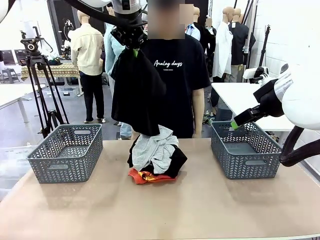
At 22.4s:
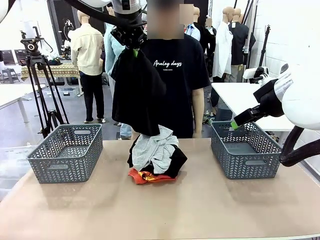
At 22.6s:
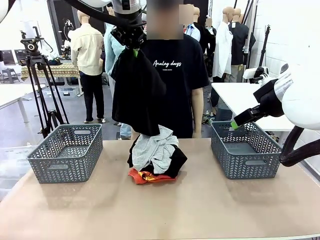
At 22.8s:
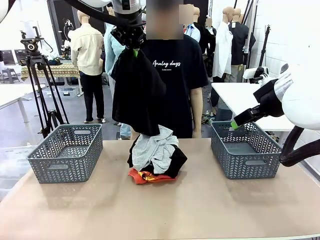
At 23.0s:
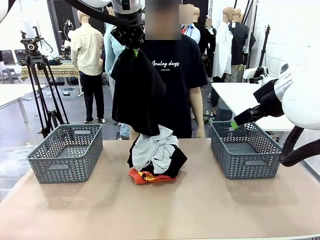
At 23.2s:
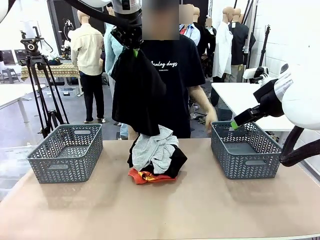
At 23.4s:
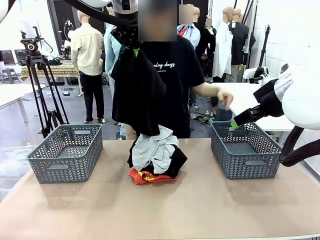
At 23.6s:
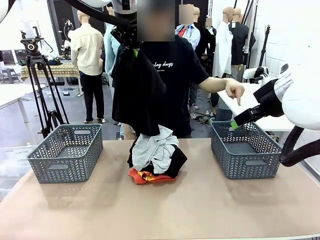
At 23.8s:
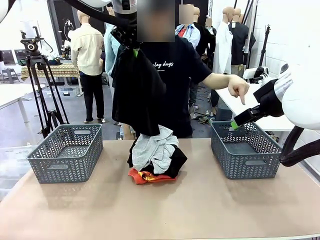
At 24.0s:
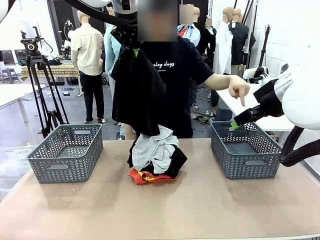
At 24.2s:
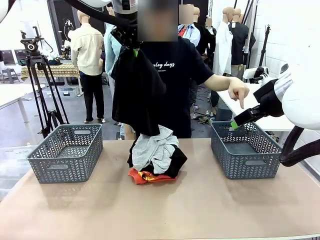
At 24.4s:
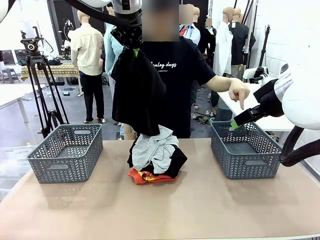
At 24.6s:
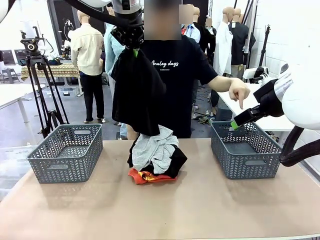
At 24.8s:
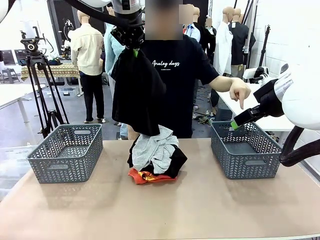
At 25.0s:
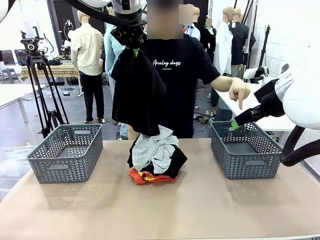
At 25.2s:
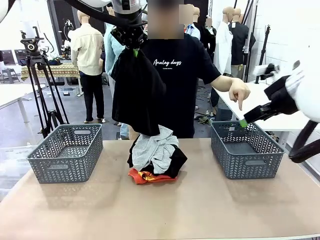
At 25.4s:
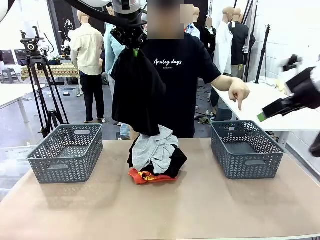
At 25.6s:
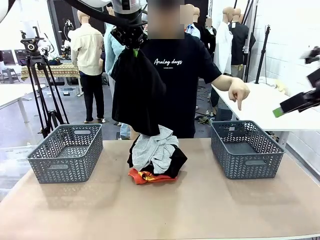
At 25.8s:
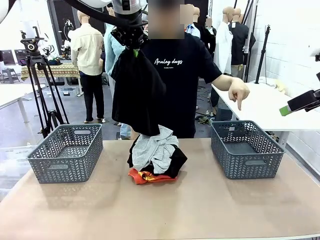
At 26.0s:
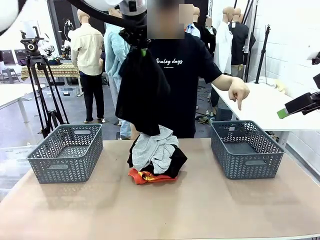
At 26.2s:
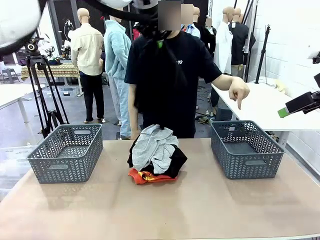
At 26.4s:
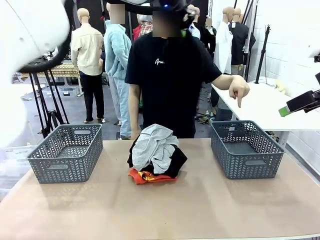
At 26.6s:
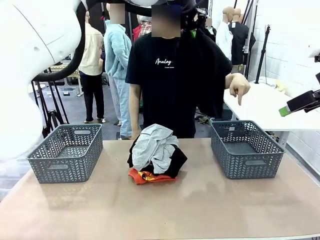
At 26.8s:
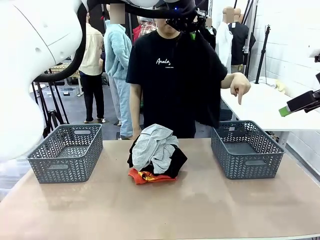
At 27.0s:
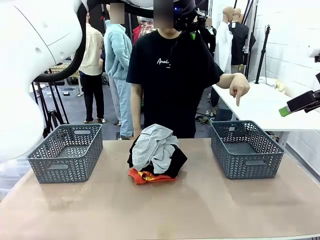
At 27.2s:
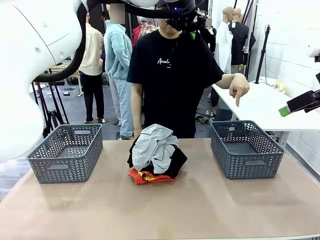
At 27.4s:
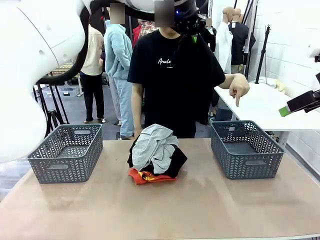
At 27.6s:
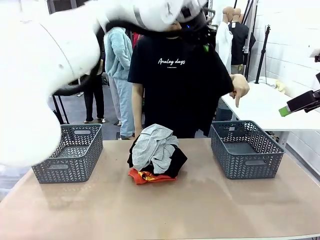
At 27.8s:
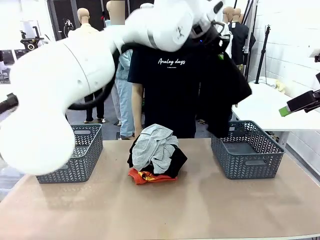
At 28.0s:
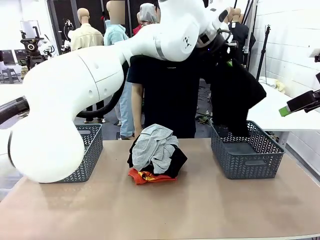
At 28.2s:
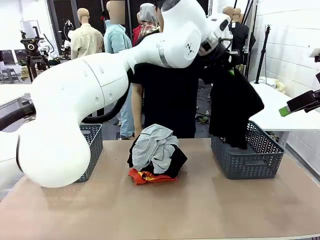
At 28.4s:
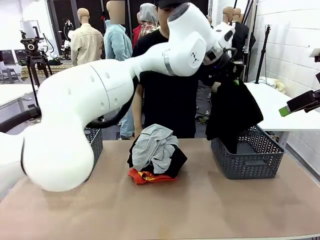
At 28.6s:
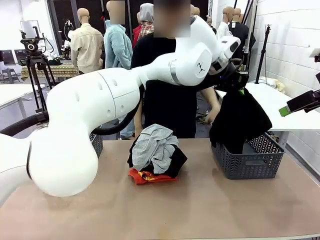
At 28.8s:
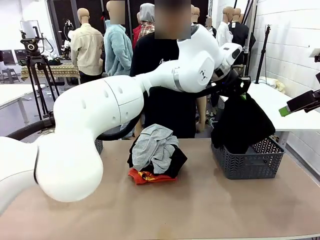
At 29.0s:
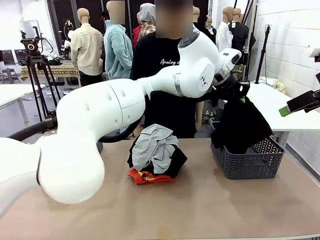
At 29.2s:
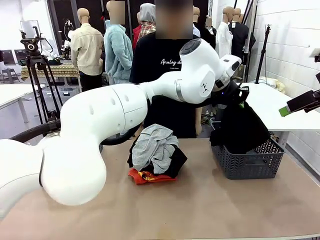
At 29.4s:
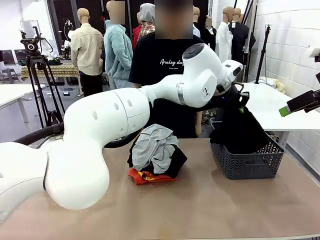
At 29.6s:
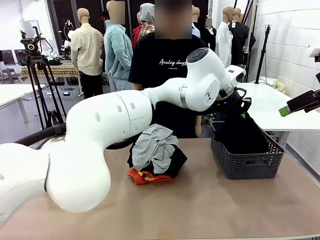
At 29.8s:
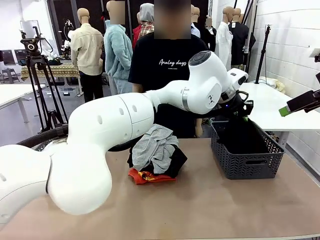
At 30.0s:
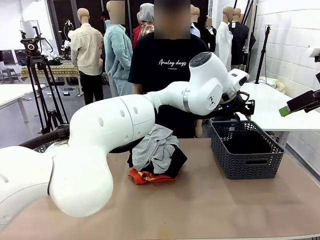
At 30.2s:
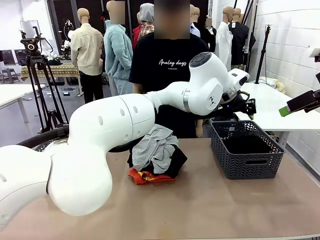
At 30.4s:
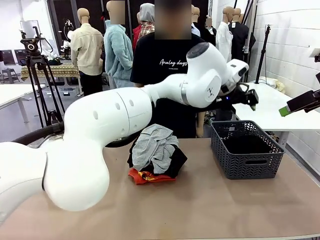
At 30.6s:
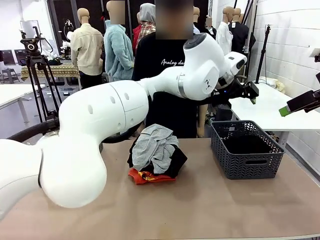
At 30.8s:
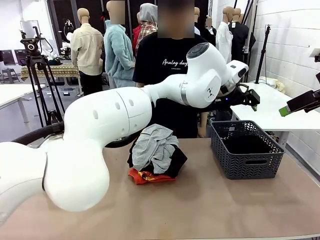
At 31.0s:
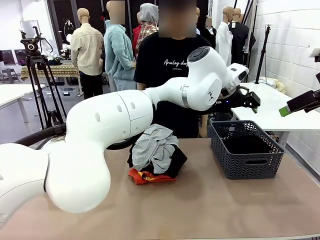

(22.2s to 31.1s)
Task: Sort the tops and bottoms.
Robot: Sort the clothes according to human instructions.

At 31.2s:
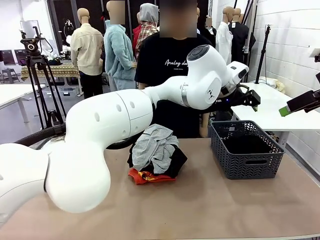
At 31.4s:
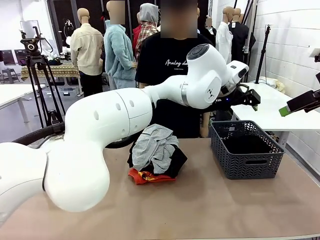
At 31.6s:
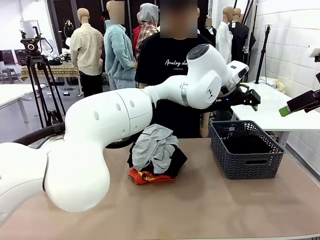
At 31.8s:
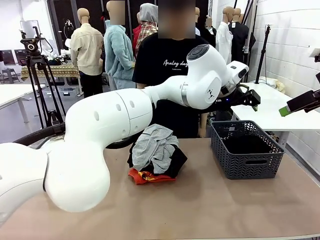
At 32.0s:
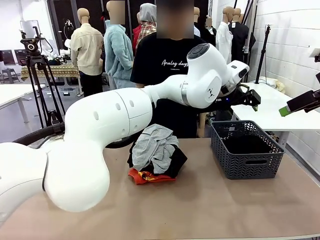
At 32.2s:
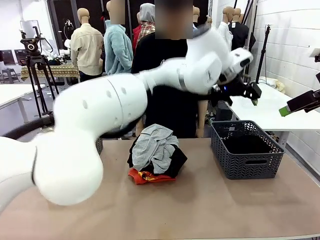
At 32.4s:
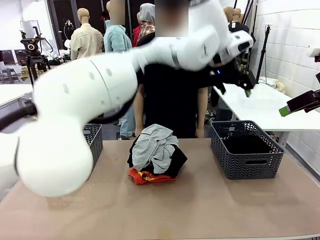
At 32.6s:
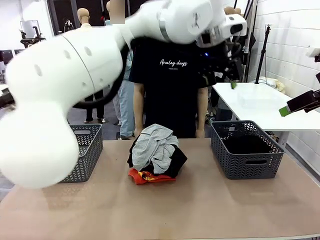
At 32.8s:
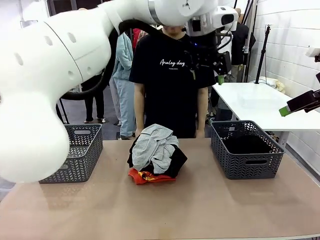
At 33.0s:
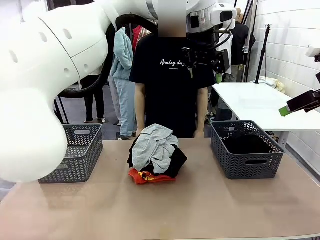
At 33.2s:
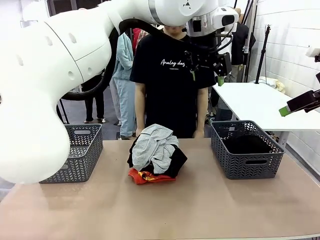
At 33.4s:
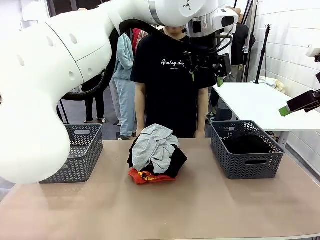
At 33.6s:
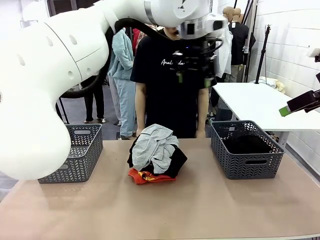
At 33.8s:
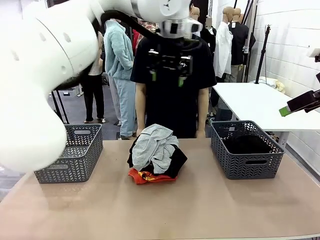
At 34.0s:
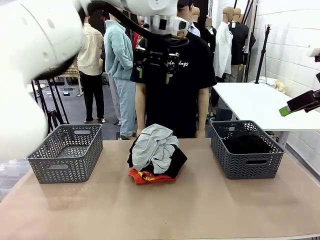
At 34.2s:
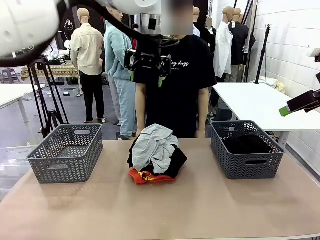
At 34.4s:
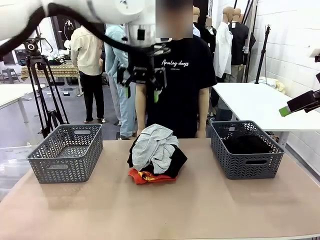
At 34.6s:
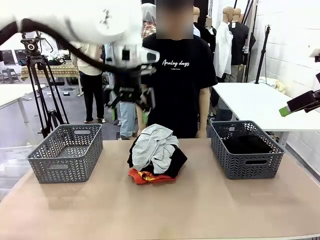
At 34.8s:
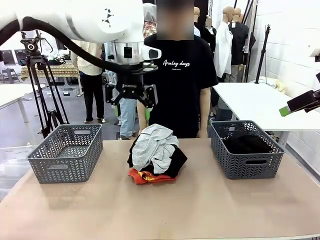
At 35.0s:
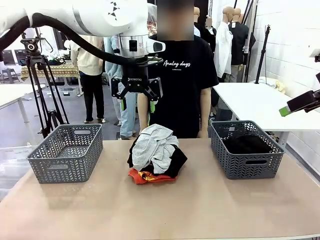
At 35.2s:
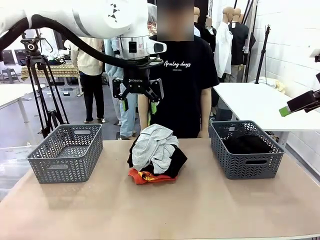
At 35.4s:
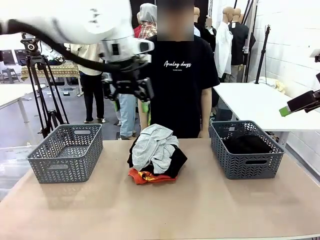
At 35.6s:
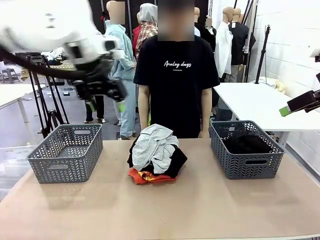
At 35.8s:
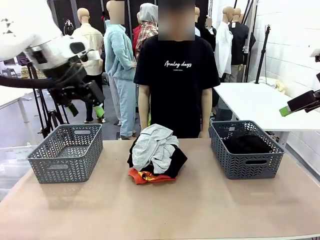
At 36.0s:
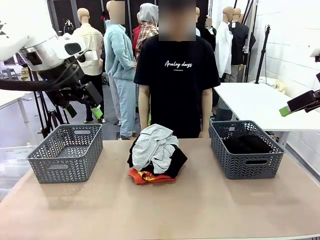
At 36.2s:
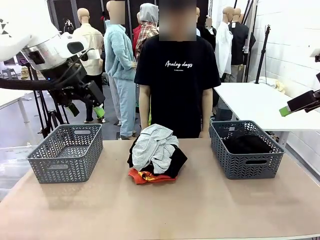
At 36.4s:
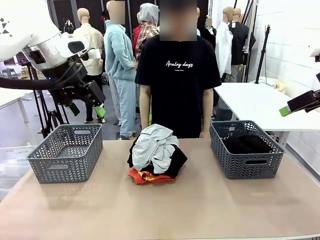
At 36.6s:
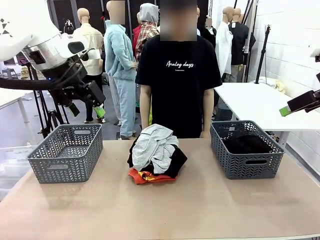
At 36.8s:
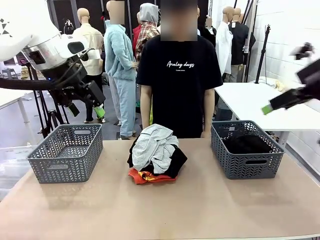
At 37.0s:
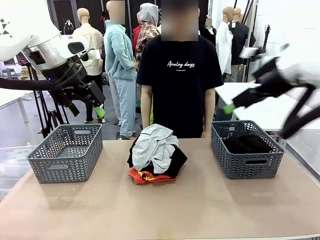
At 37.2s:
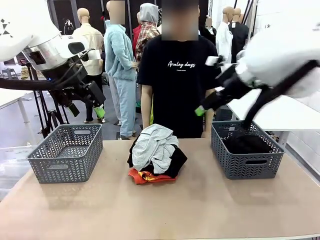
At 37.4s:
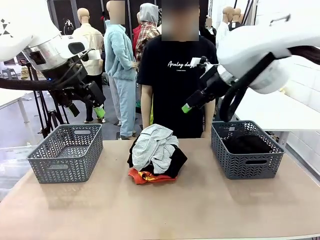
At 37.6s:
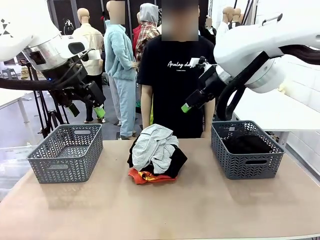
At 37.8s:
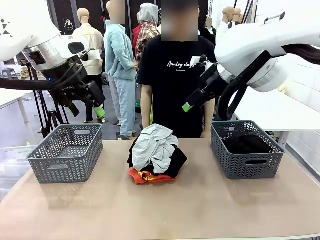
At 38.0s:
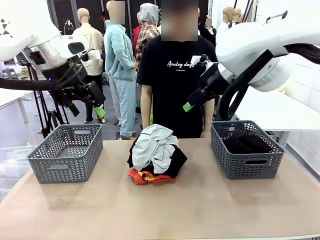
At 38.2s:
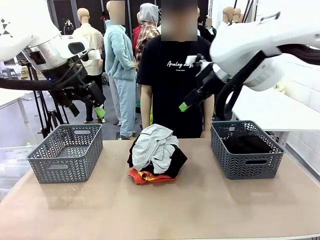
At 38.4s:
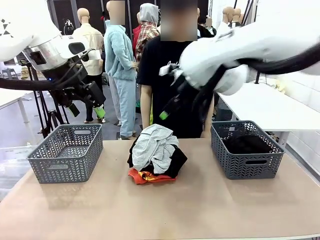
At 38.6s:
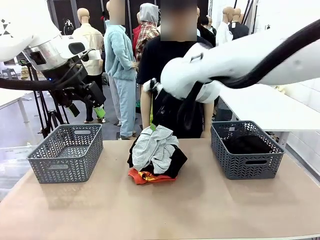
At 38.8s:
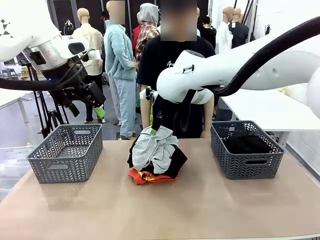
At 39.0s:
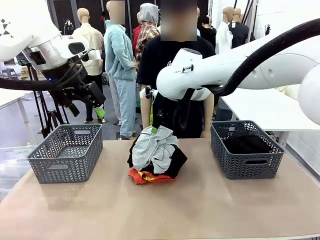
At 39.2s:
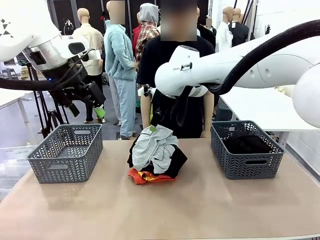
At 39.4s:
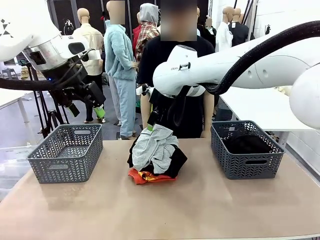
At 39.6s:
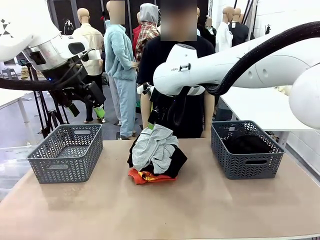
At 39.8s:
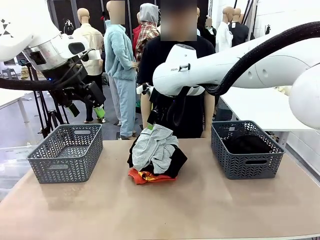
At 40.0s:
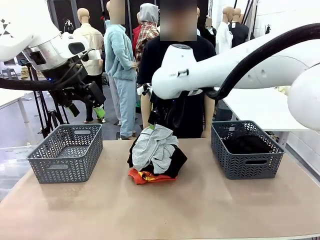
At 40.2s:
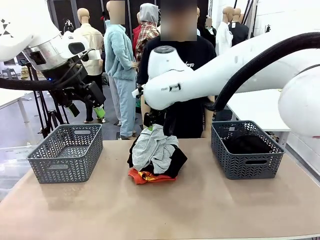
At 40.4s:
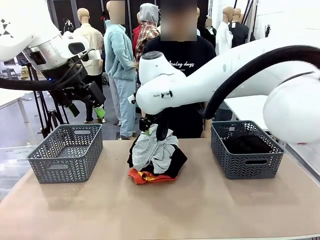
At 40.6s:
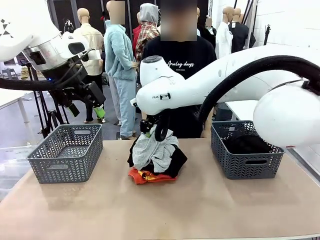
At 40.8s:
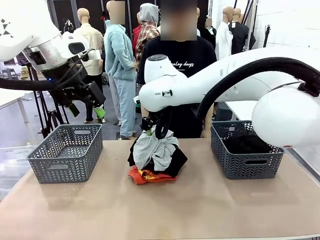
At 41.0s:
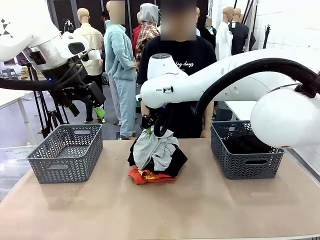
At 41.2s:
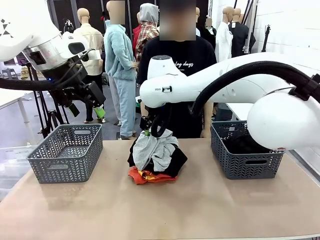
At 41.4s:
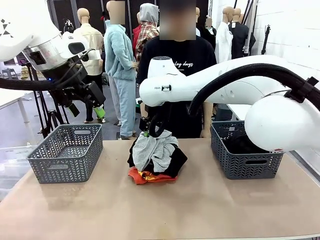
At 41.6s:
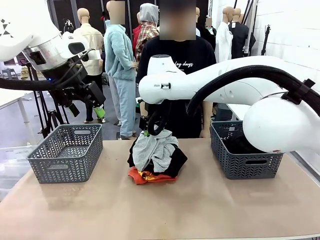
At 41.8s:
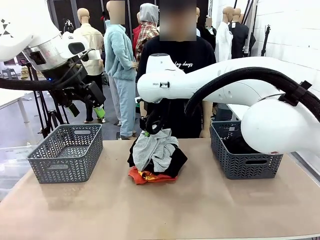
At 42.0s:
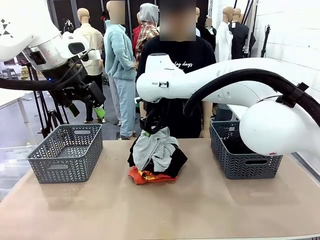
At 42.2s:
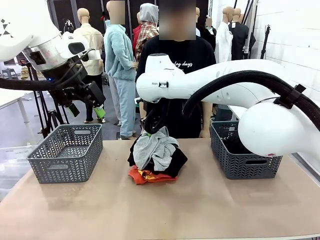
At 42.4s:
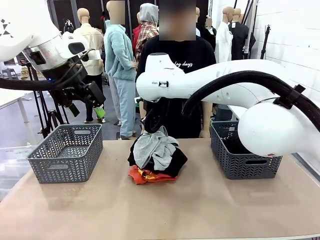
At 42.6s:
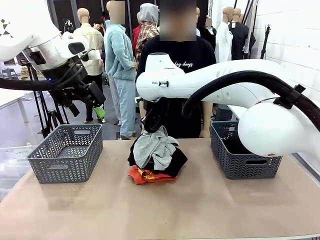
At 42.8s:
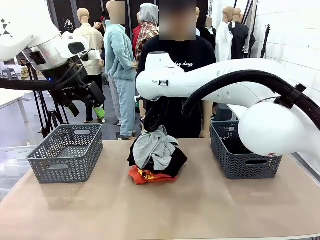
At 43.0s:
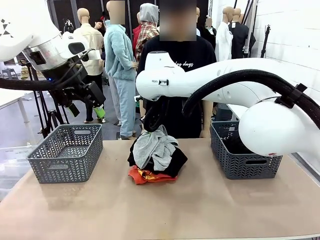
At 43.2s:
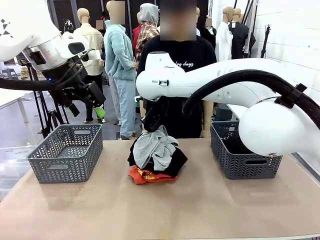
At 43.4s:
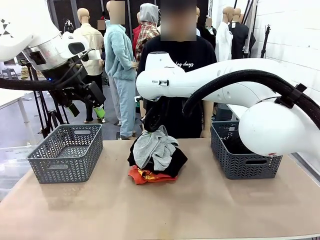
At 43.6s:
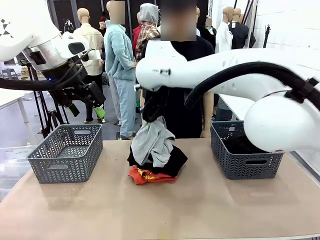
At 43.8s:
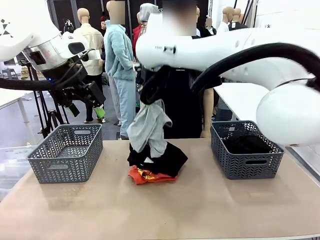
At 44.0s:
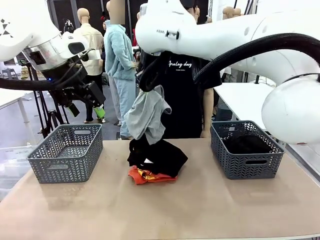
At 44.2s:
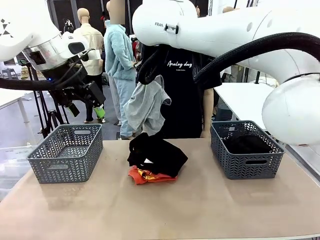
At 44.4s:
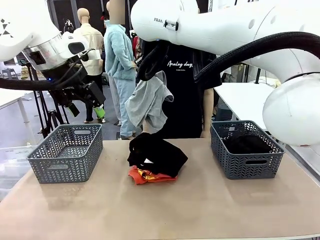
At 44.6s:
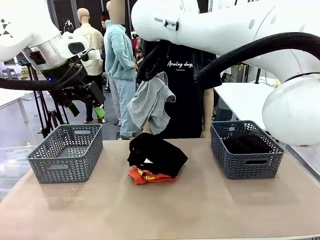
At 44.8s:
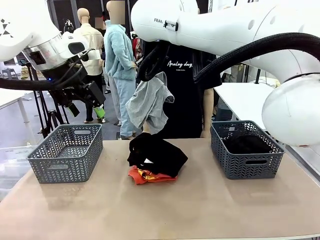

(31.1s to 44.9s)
Robot: Lift clothes from the center of the table with your right hand.
